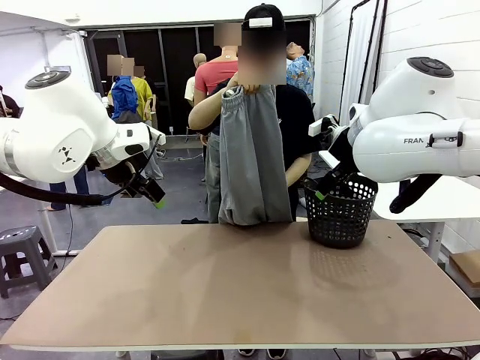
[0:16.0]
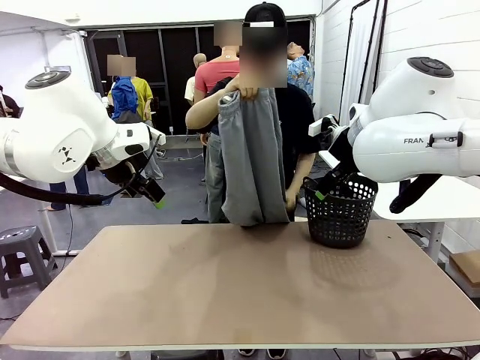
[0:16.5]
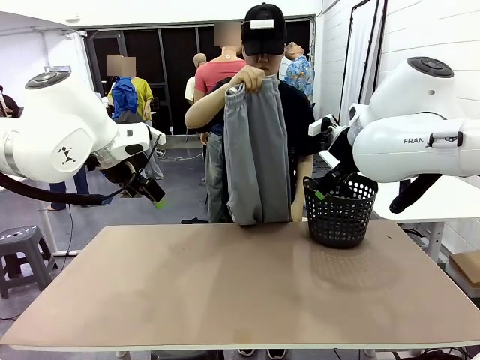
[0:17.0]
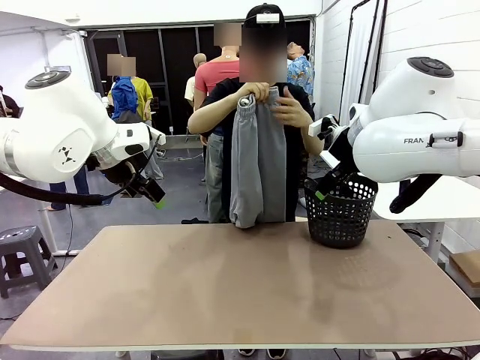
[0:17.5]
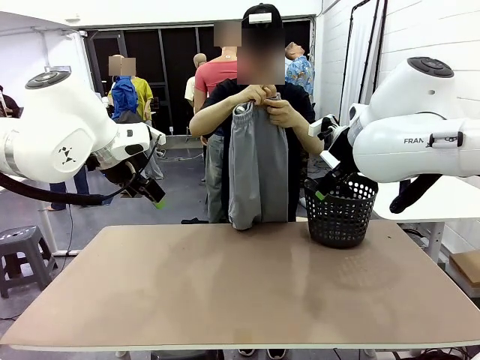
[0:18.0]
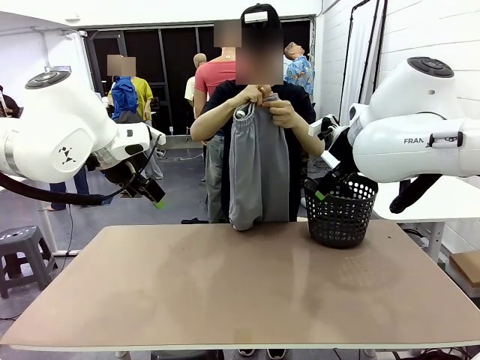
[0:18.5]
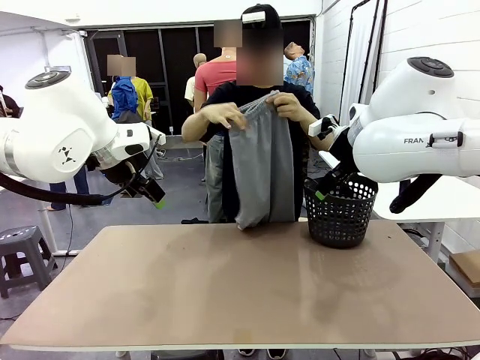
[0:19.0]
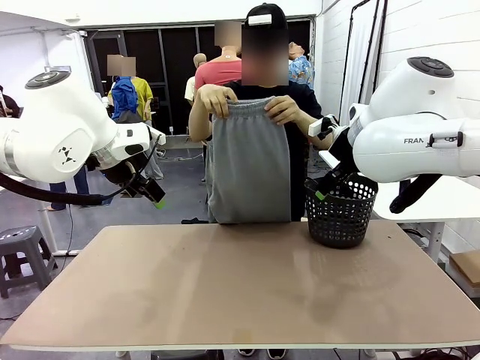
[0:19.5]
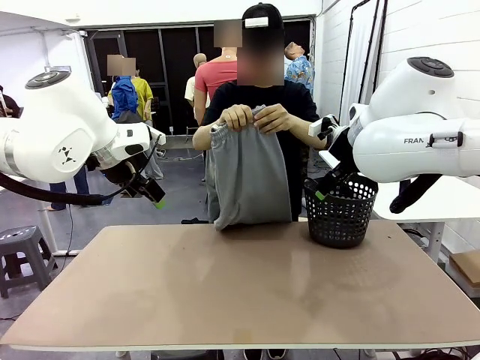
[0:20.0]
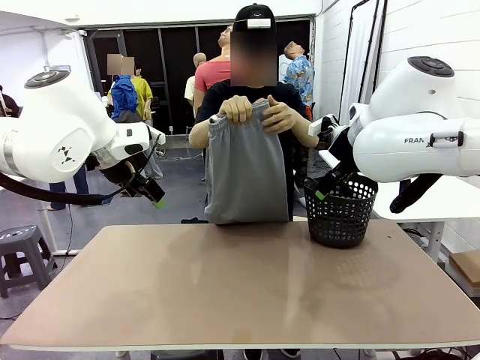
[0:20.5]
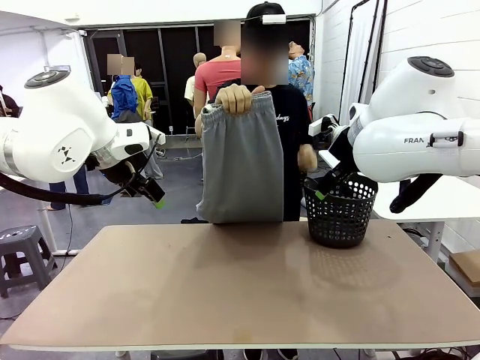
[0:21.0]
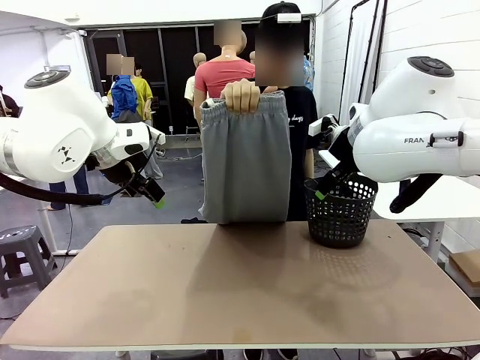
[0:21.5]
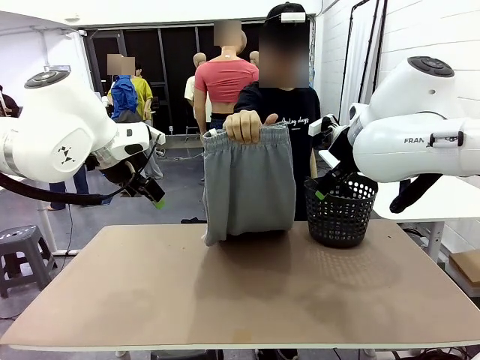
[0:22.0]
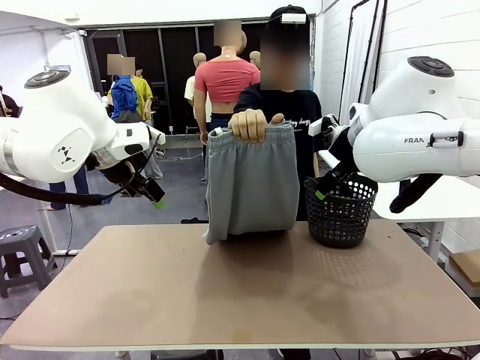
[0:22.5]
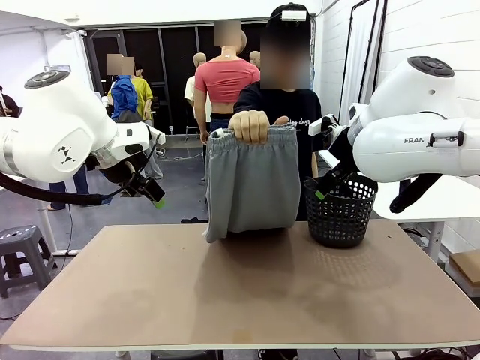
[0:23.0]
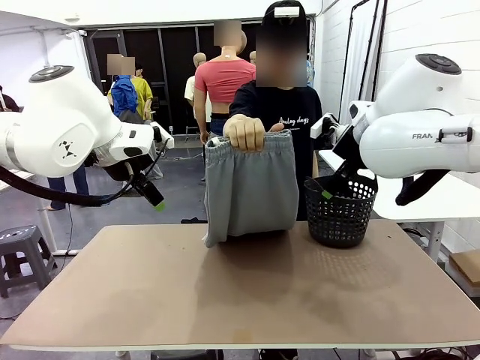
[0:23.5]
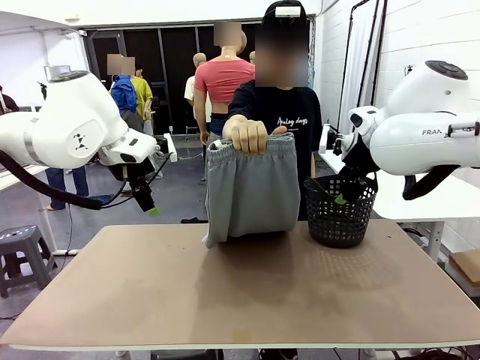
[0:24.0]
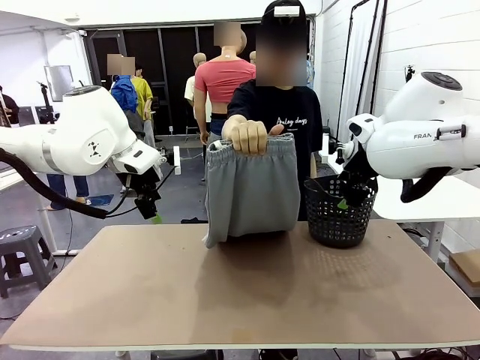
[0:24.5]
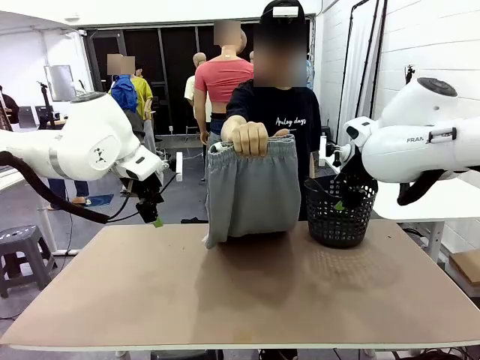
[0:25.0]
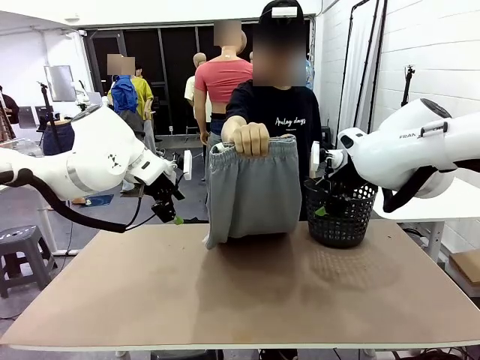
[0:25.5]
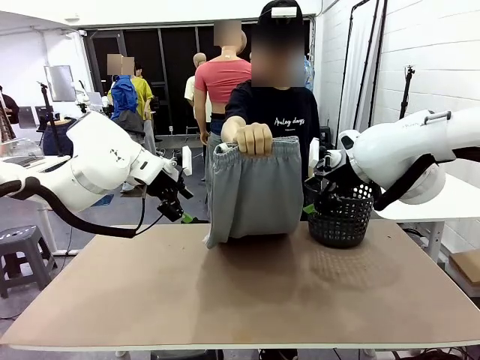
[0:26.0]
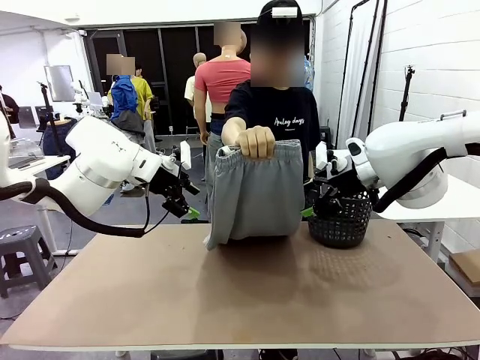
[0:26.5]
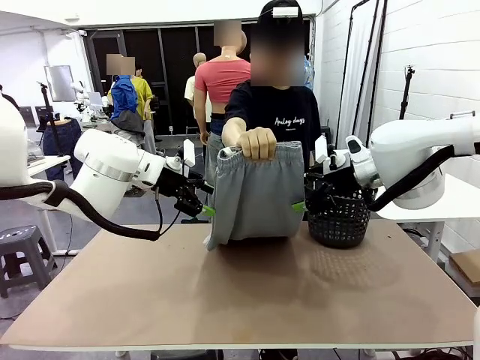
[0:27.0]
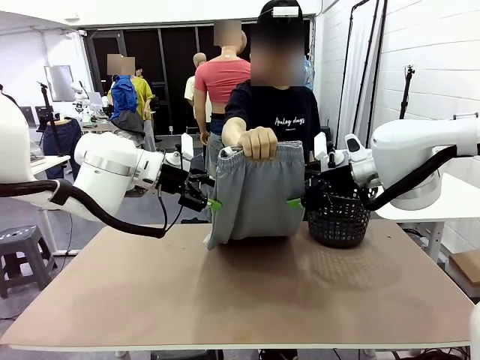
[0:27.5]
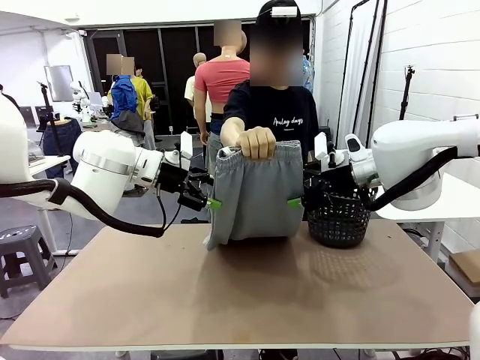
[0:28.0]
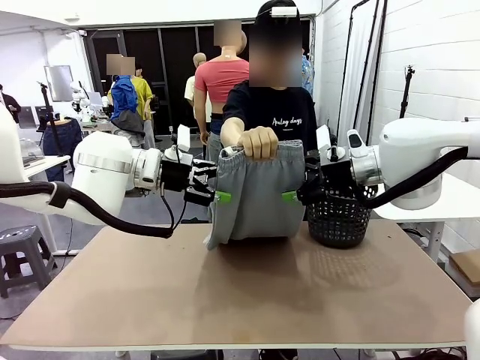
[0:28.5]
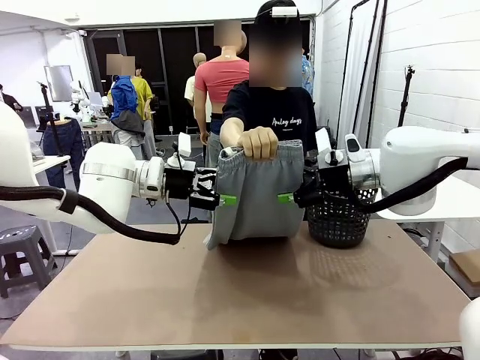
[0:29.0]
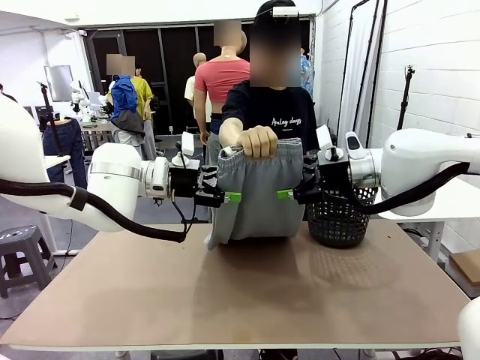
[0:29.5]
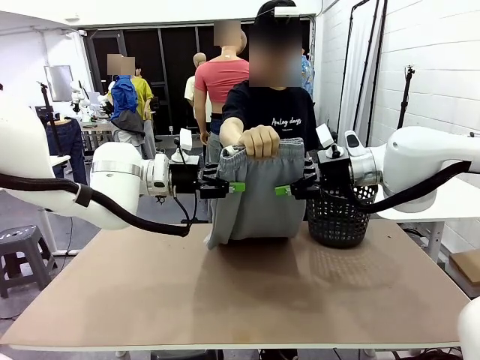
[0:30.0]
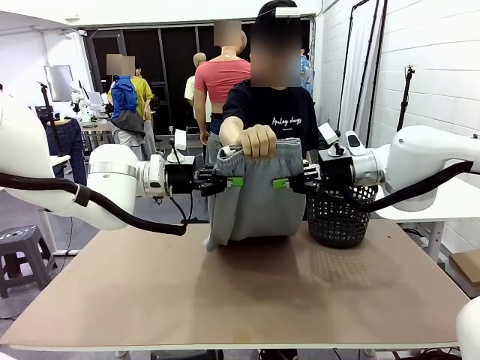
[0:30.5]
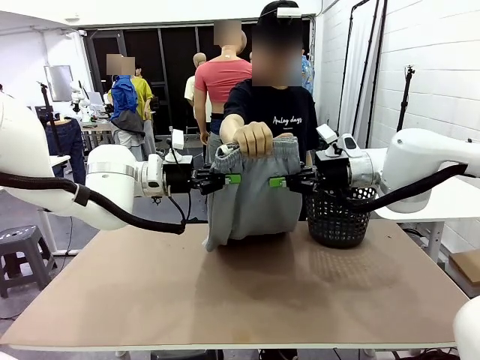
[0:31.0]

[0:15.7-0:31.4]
Task: Fold the training pants.
Robot: Grab both ends of the Training pants handed by a person.

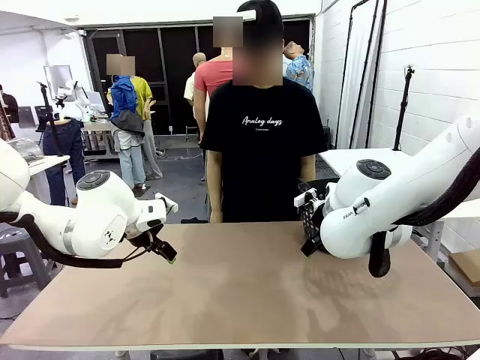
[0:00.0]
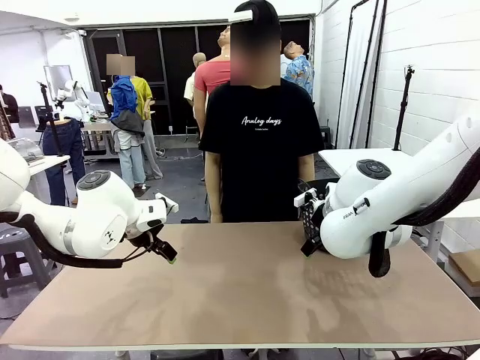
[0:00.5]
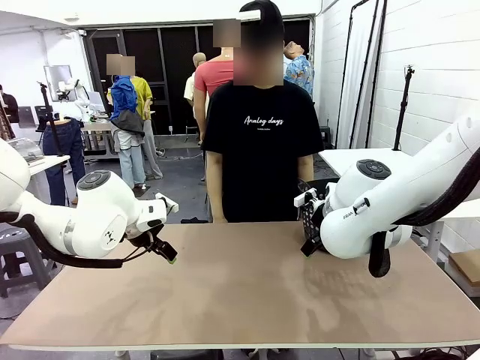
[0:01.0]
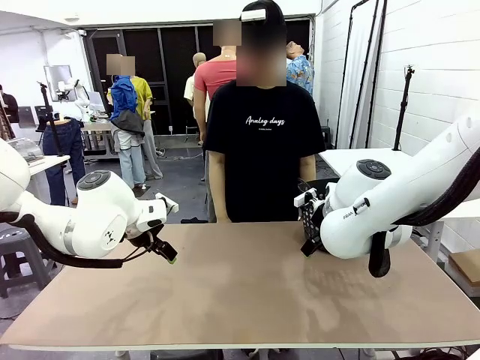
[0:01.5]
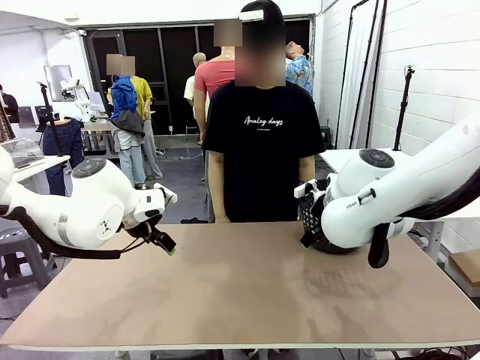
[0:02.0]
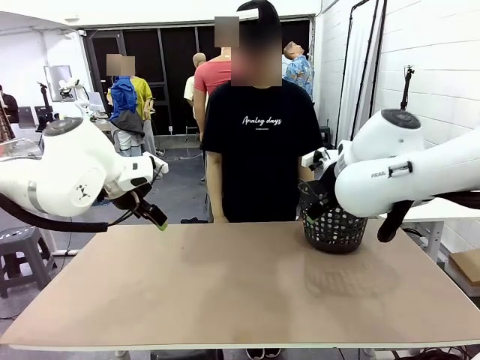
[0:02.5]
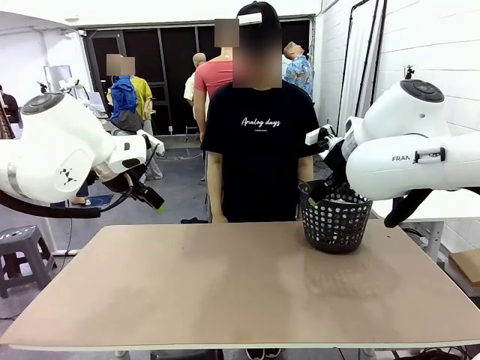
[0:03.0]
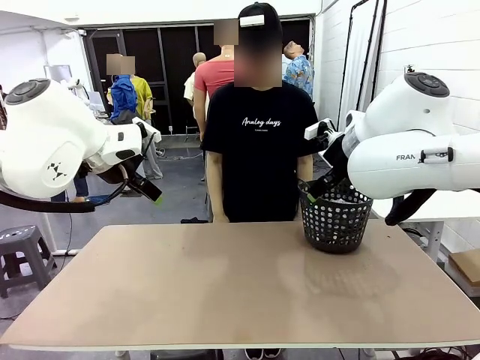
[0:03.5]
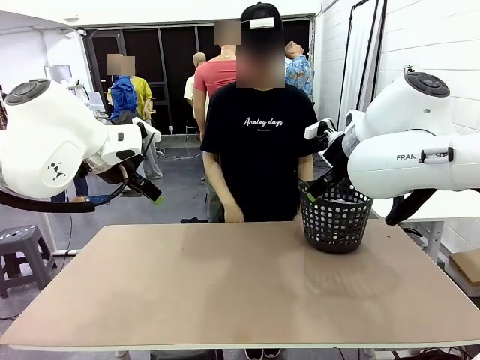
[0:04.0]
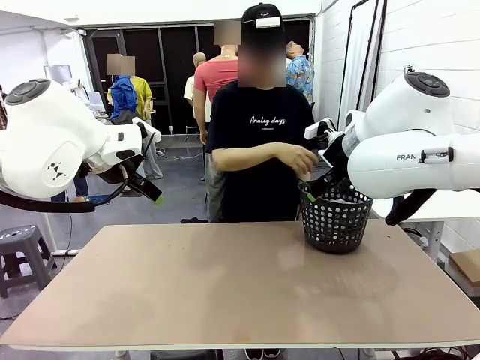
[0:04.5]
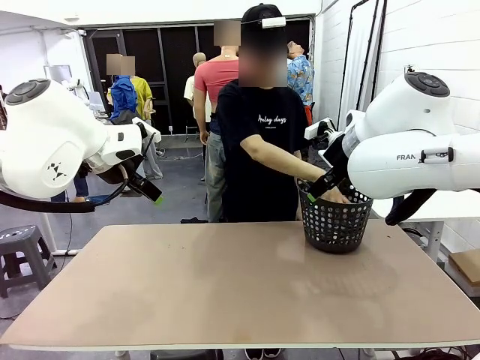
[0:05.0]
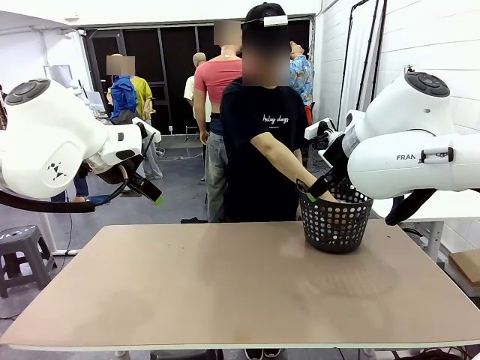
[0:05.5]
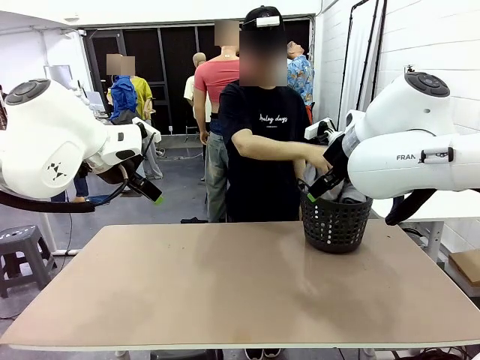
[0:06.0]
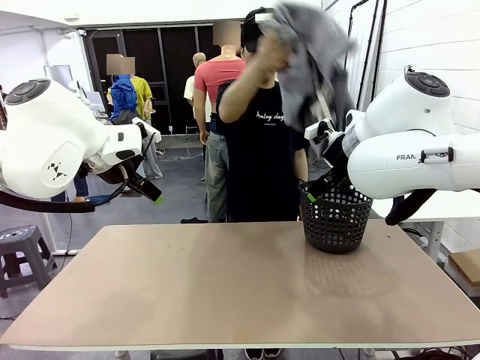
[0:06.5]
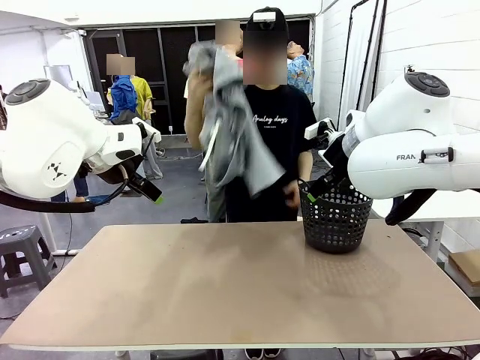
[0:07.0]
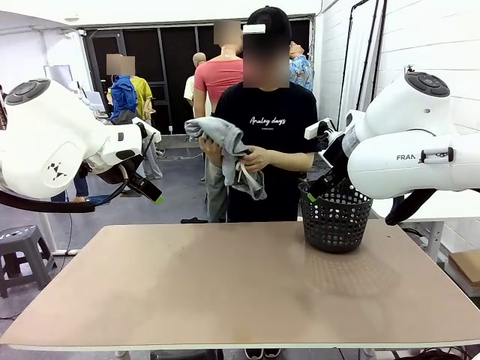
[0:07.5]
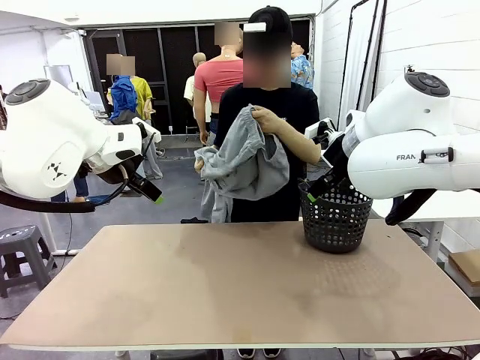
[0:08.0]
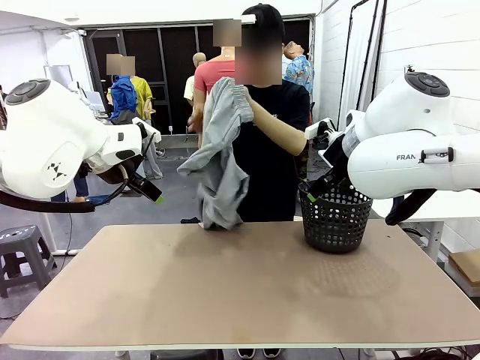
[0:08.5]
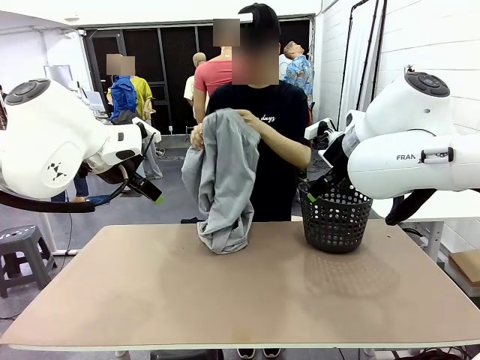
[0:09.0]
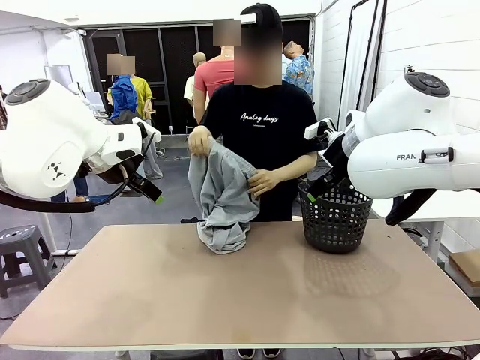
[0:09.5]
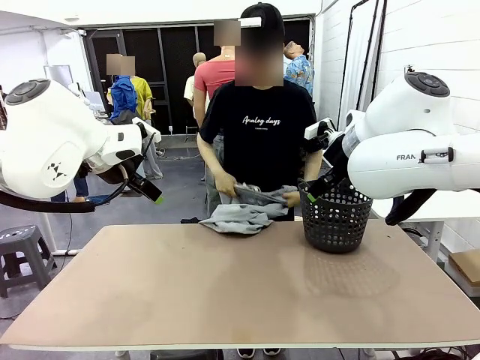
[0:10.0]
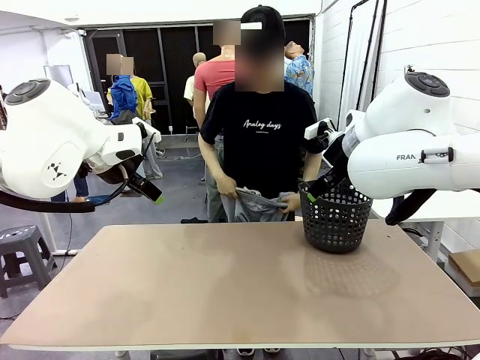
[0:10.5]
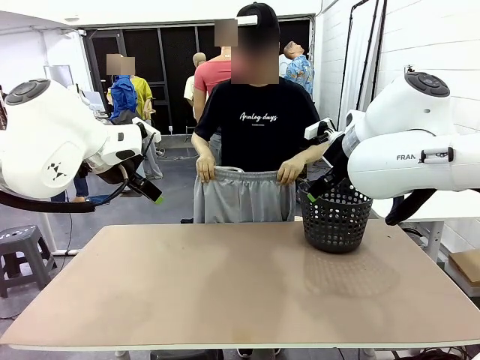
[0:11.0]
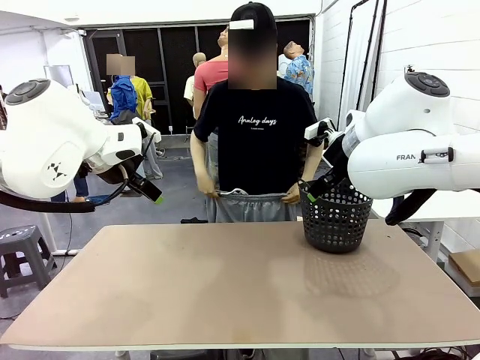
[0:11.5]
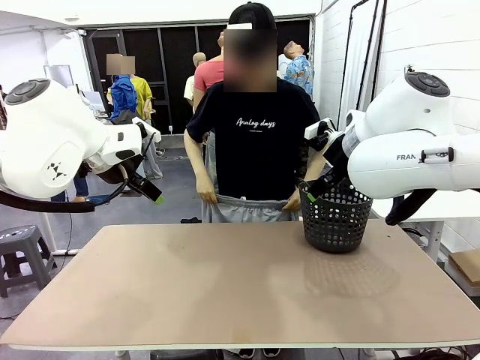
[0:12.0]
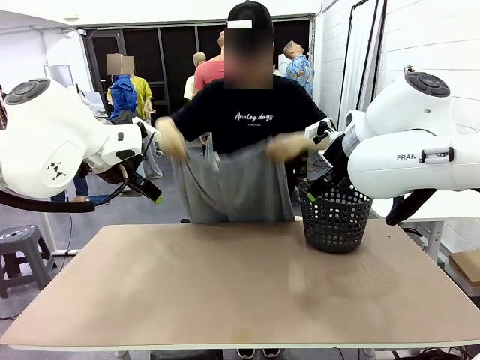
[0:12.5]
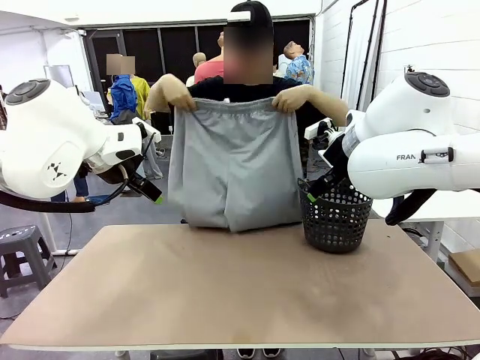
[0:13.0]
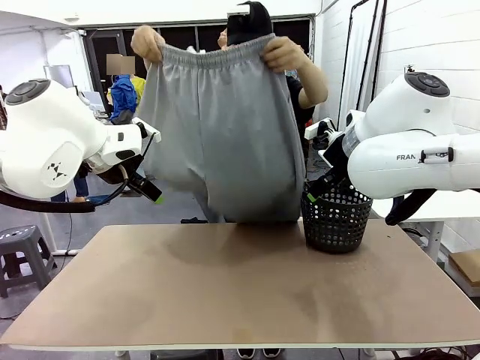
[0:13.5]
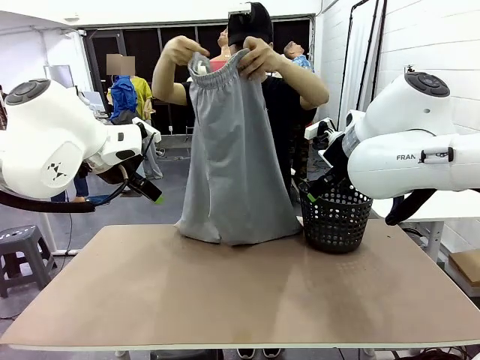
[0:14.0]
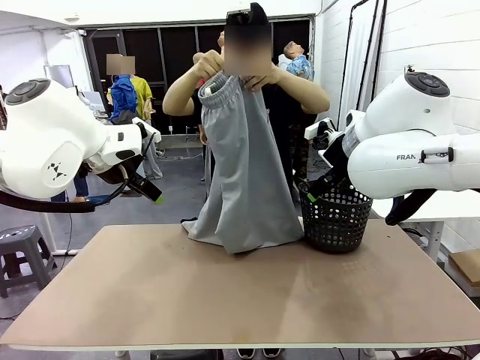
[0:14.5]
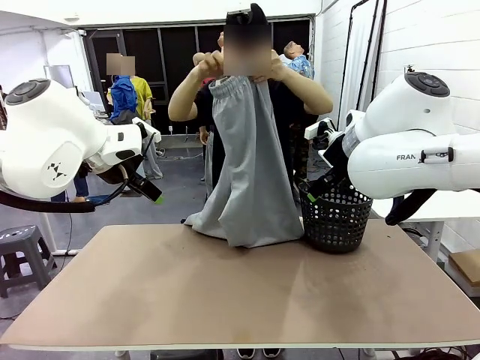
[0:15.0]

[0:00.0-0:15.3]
Task: Fold the training pants.
Robot: Grab both ends of the Training pants handed by a person.
Person: Take the long pants out of the laundry basket, unfold them, fold the waist in half, and extend them so the robot can pick up both corners.
